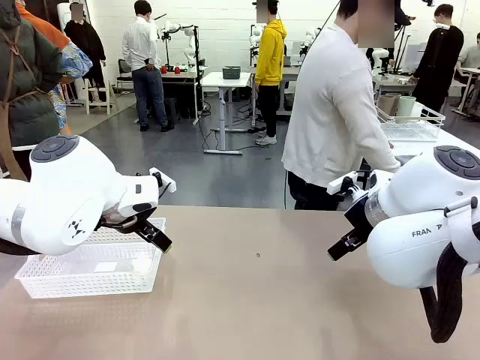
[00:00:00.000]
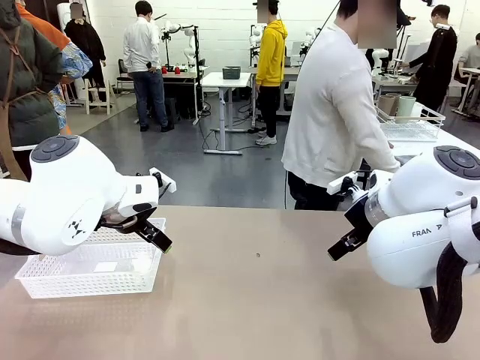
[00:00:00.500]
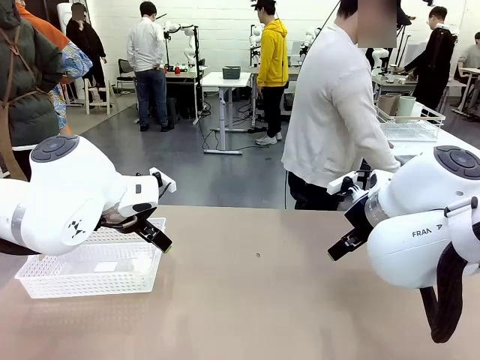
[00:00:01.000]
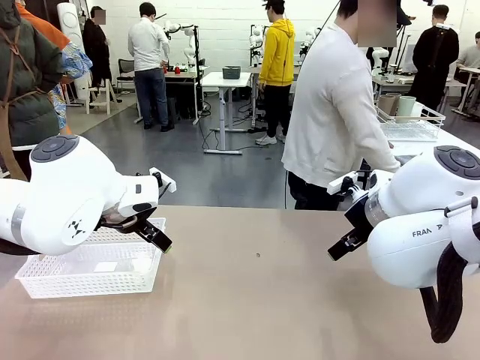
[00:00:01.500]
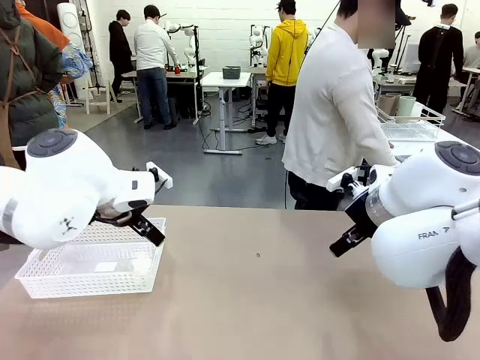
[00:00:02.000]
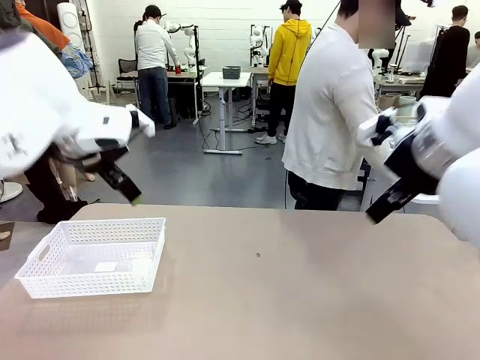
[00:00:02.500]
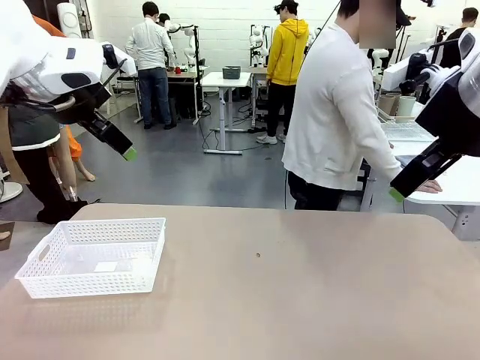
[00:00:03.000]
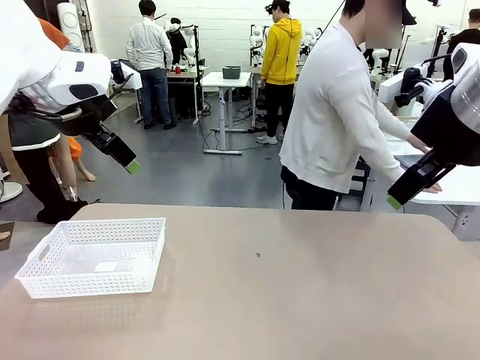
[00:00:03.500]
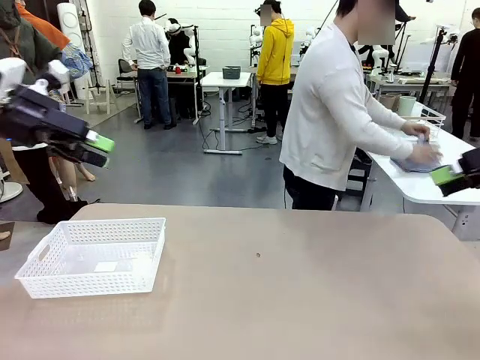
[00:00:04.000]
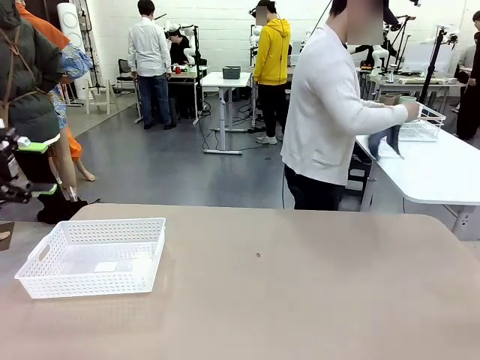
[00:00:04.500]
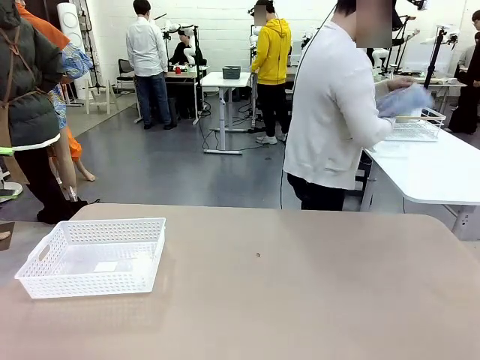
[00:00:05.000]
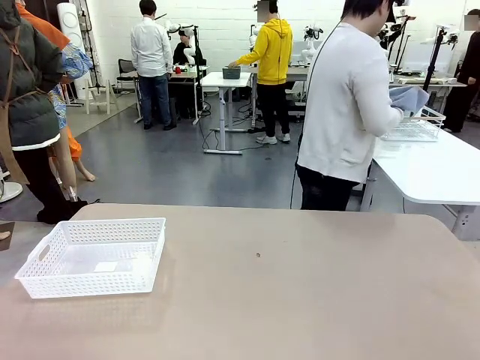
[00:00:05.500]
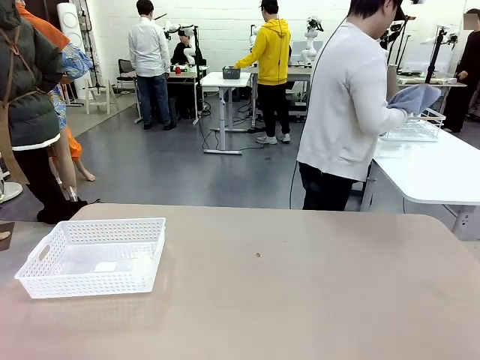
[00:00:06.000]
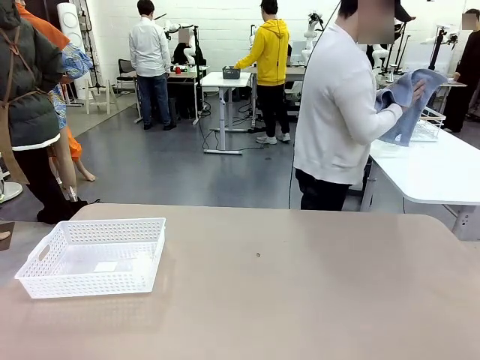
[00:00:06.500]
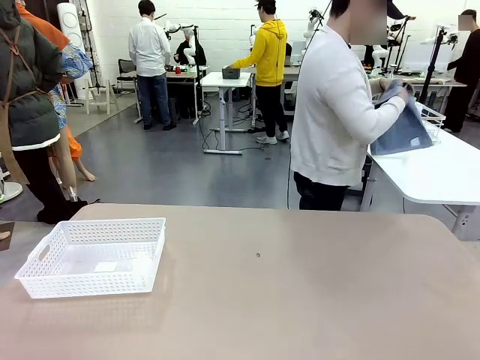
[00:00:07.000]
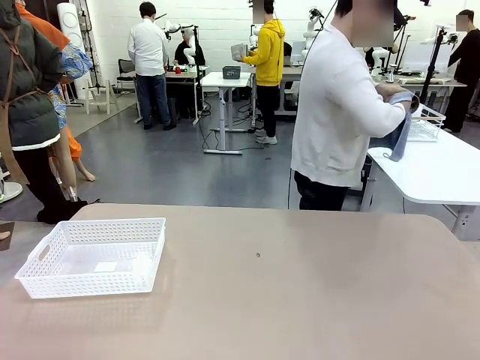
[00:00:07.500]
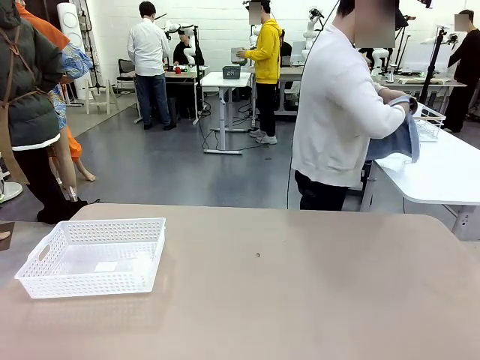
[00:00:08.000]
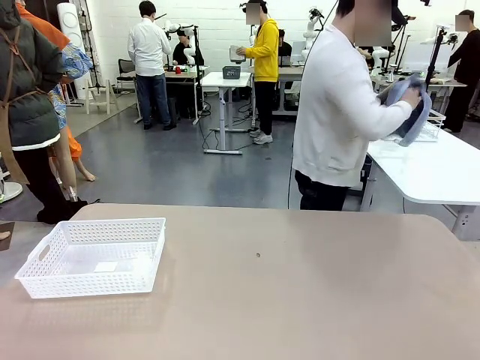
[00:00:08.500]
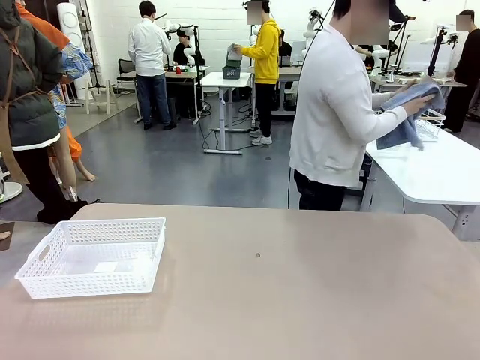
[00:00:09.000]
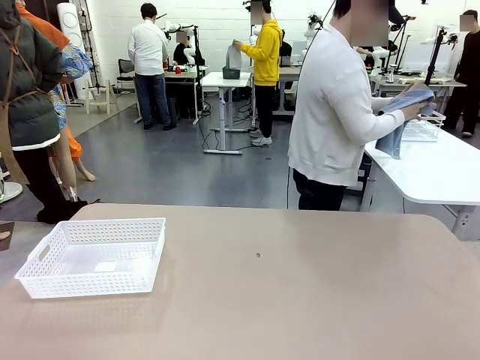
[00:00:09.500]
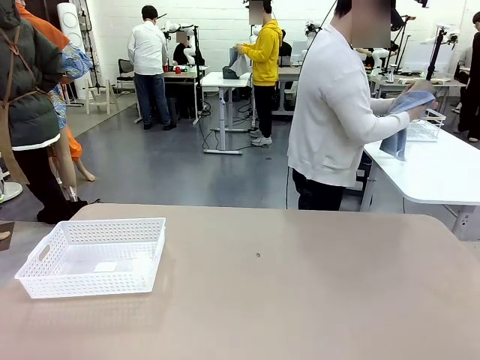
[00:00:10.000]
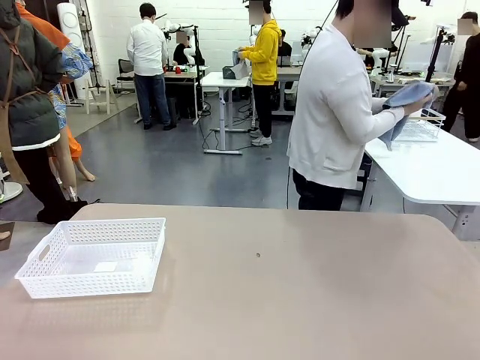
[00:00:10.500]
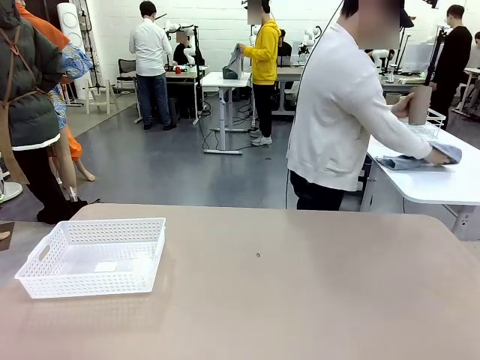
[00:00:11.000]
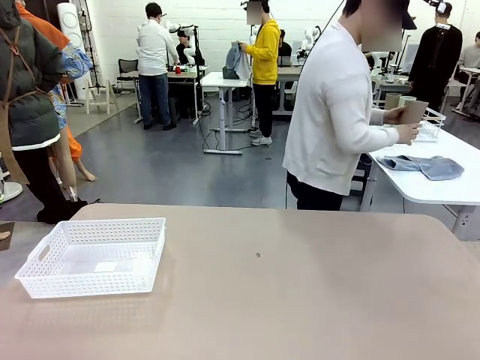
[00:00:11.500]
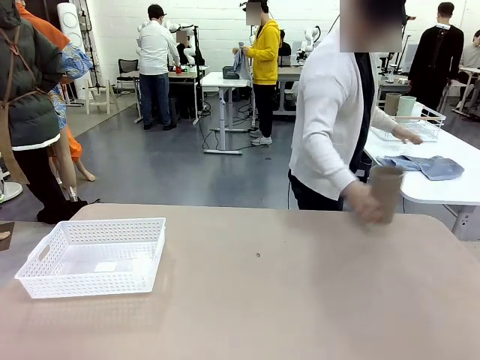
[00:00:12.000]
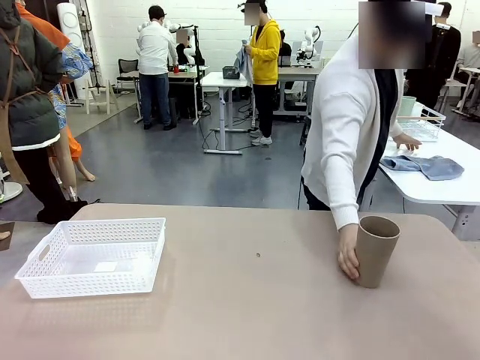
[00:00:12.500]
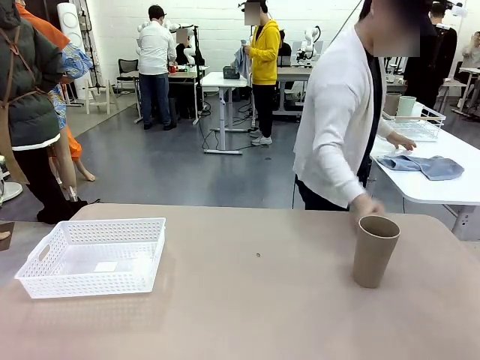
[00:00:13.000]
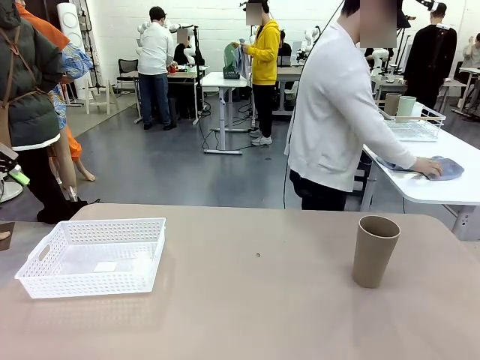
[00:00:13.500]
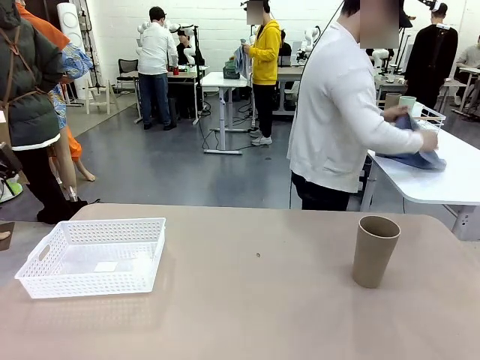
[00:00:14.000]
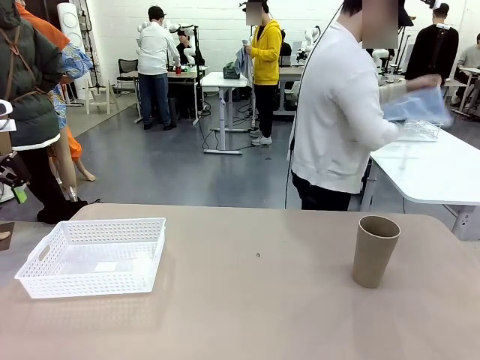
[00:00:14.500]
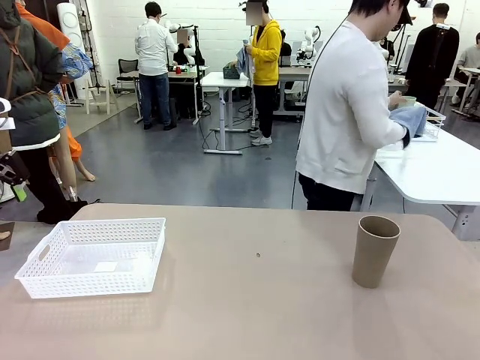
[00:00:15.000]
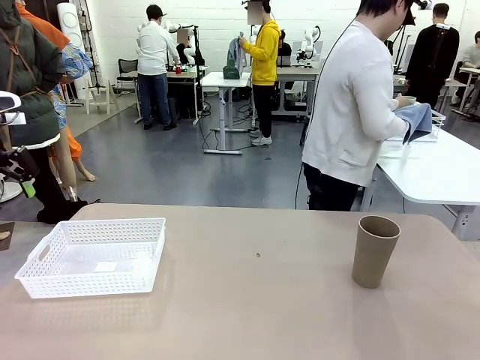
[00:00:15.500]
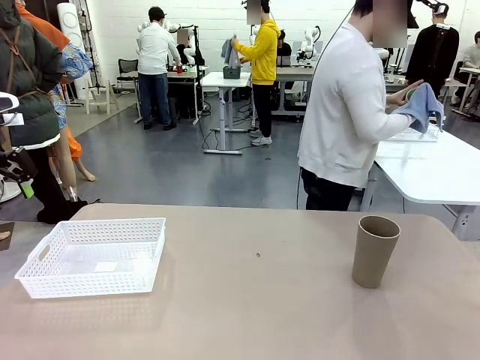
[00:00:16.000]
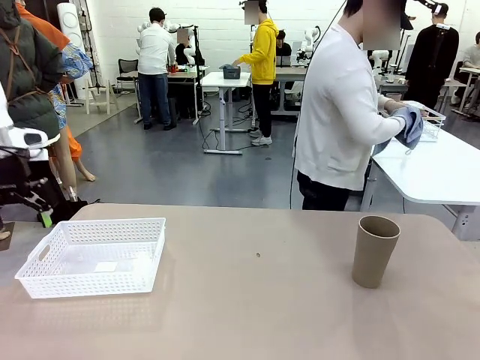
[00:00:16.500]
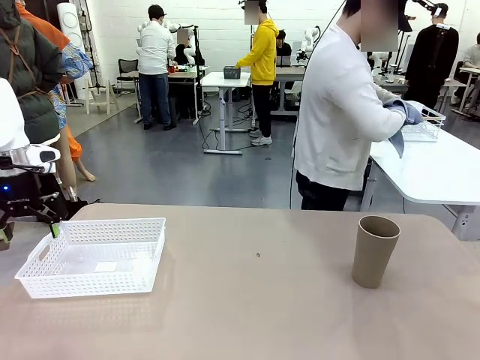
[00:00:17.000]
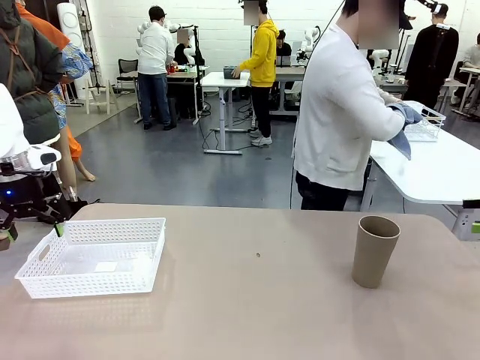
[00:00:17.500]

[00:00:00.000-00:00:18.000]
Task: Clean and organize the cups into the basket.
Robot: Pick up the Organizing basket and move it to the center of the table, then pick up the Reusable plastic cup from the right side of the table and place it inside the Organizing basket.
Person: Picks up a cup and a towel, cleans the cup with the towel, and places it on the left side of the robot table.
